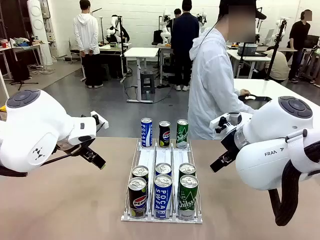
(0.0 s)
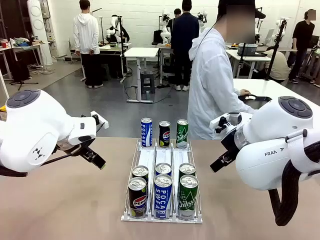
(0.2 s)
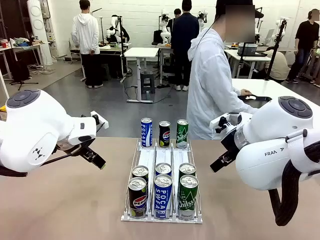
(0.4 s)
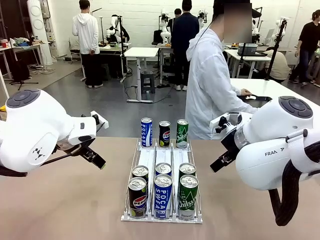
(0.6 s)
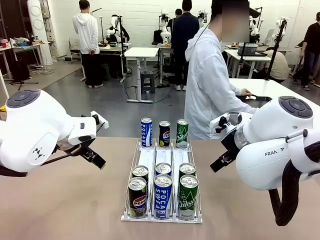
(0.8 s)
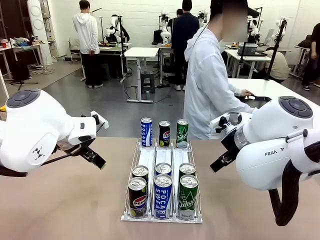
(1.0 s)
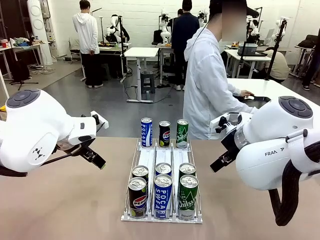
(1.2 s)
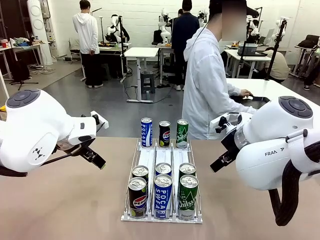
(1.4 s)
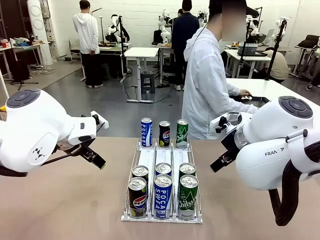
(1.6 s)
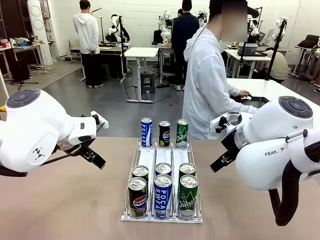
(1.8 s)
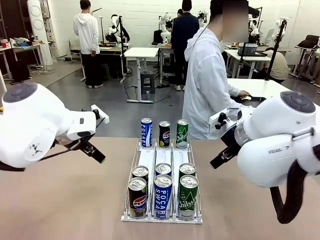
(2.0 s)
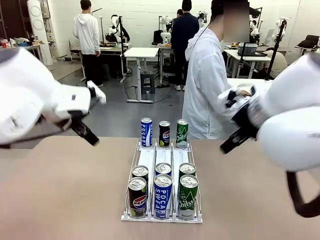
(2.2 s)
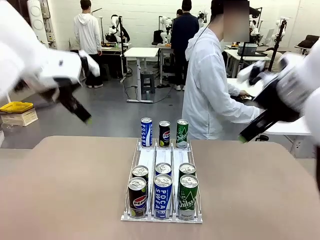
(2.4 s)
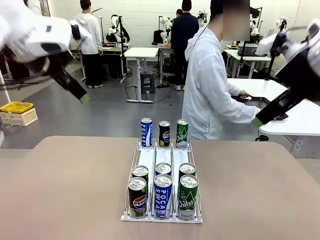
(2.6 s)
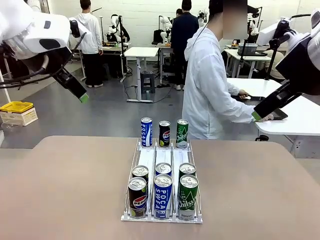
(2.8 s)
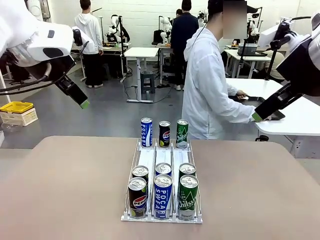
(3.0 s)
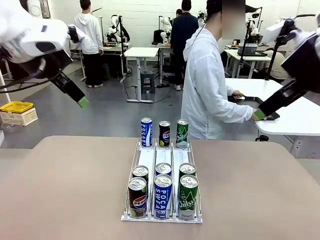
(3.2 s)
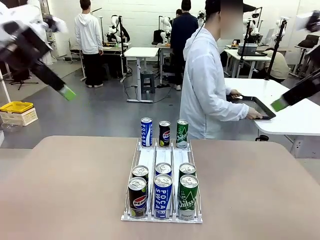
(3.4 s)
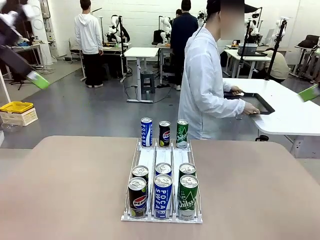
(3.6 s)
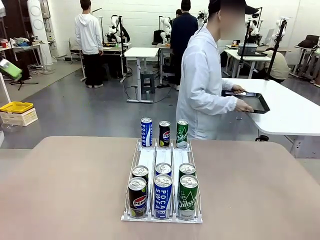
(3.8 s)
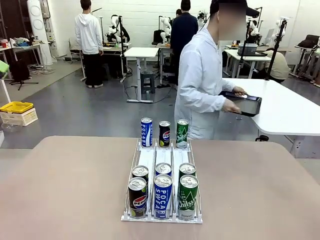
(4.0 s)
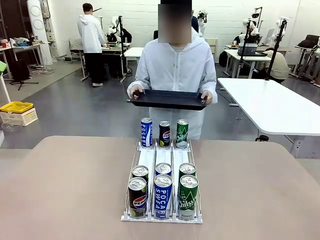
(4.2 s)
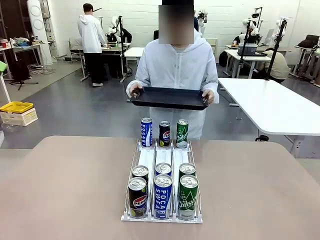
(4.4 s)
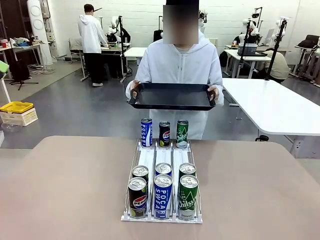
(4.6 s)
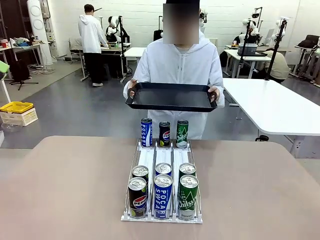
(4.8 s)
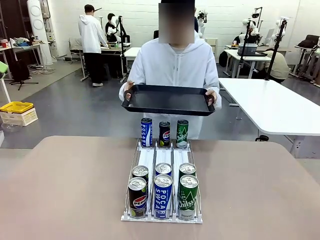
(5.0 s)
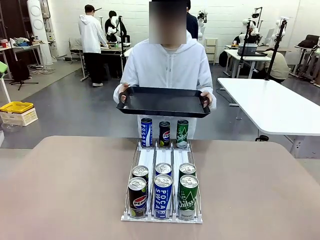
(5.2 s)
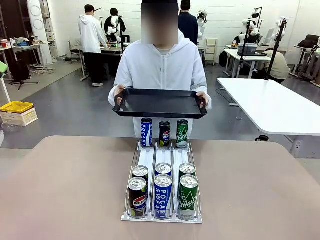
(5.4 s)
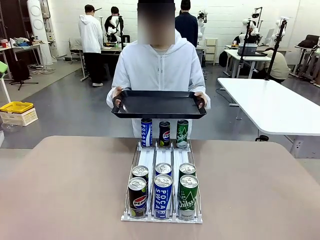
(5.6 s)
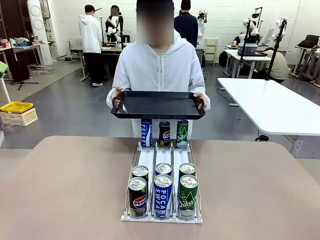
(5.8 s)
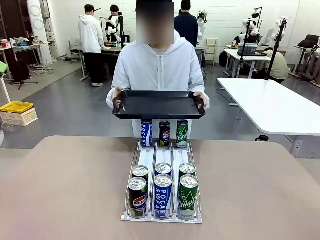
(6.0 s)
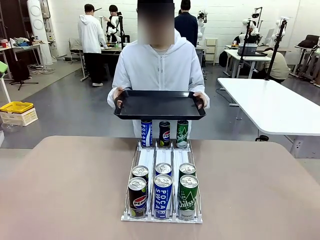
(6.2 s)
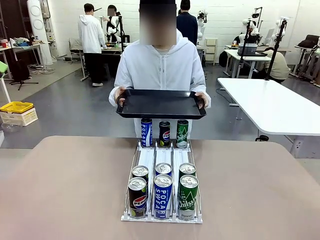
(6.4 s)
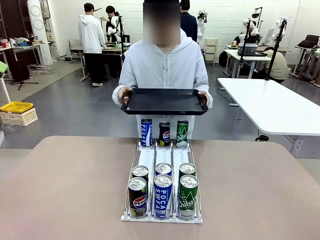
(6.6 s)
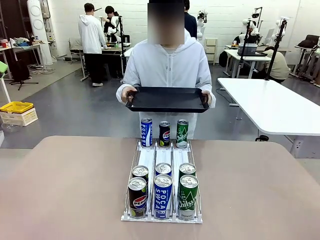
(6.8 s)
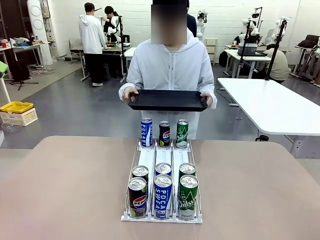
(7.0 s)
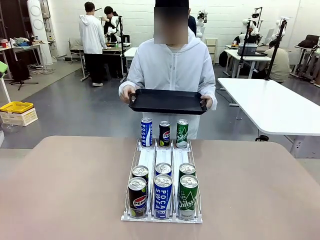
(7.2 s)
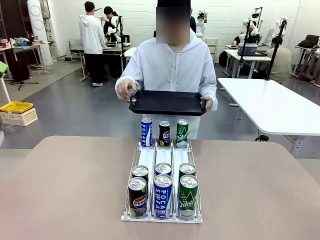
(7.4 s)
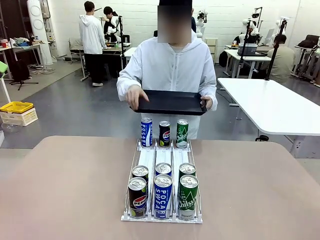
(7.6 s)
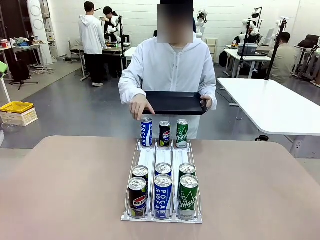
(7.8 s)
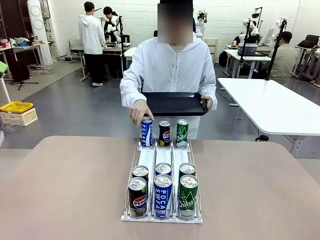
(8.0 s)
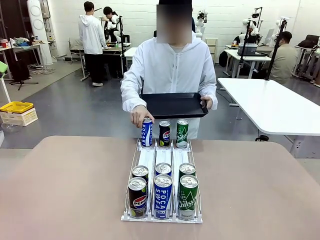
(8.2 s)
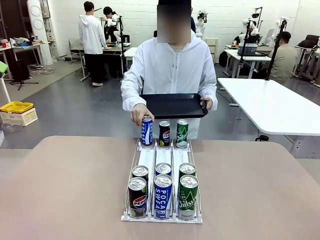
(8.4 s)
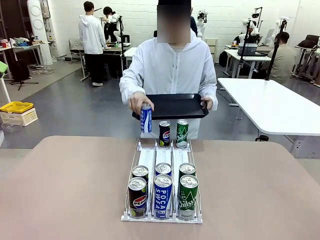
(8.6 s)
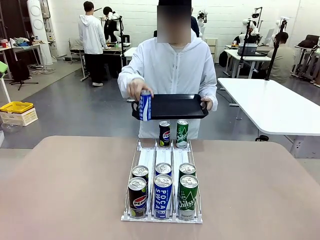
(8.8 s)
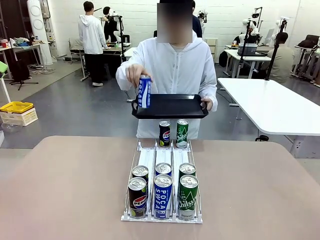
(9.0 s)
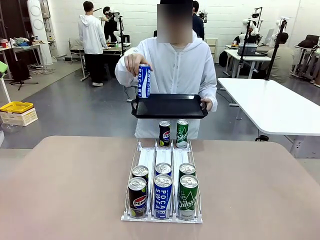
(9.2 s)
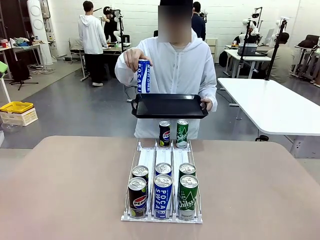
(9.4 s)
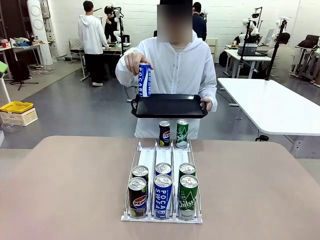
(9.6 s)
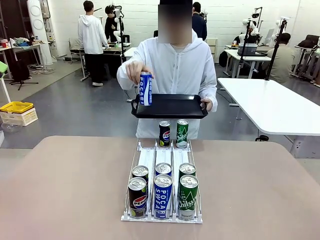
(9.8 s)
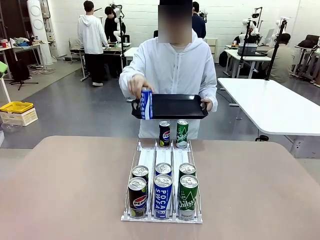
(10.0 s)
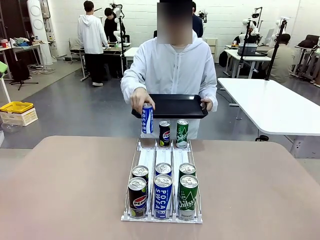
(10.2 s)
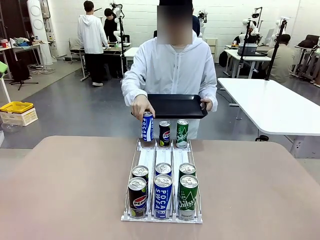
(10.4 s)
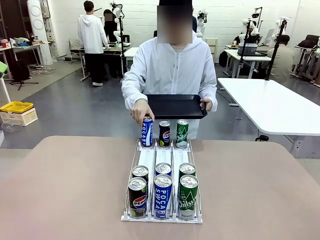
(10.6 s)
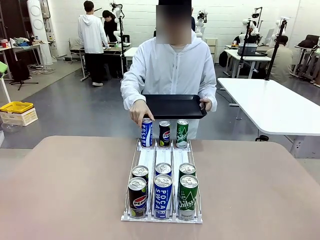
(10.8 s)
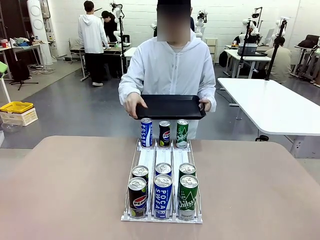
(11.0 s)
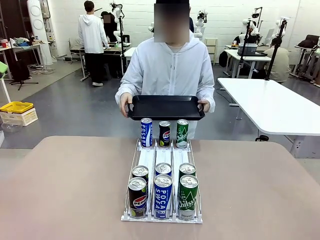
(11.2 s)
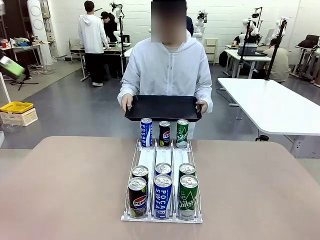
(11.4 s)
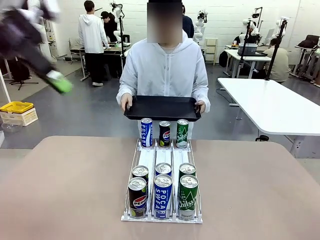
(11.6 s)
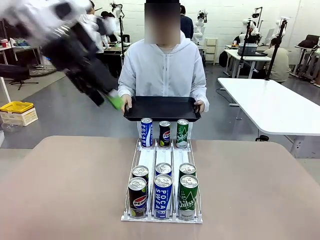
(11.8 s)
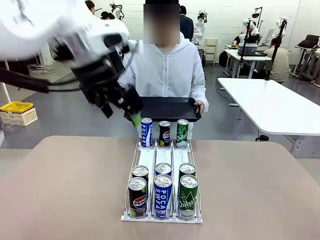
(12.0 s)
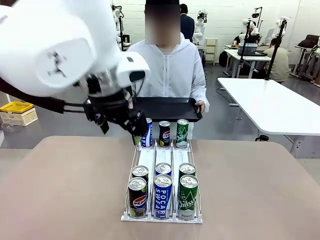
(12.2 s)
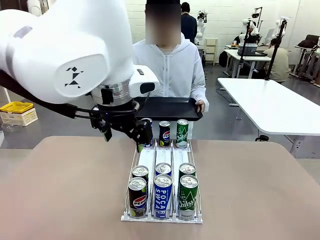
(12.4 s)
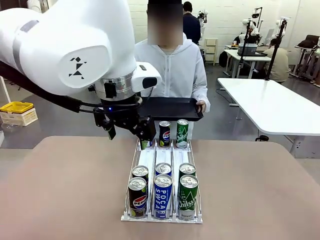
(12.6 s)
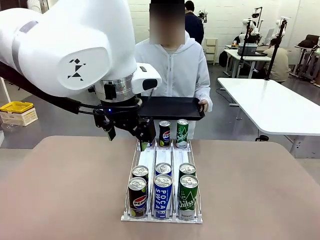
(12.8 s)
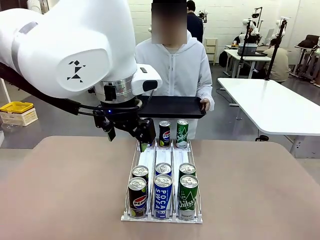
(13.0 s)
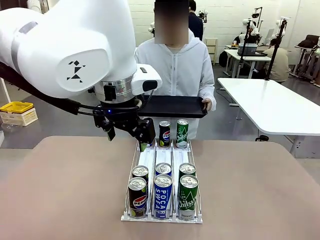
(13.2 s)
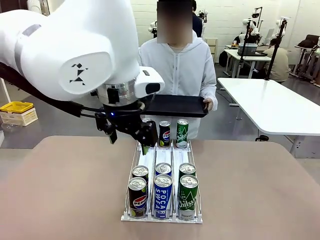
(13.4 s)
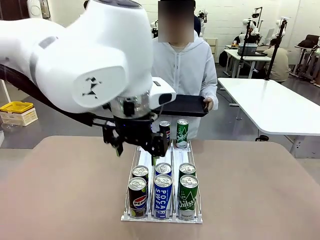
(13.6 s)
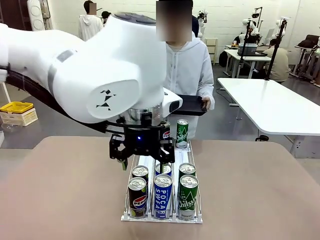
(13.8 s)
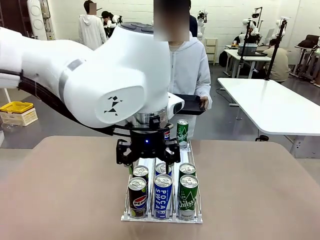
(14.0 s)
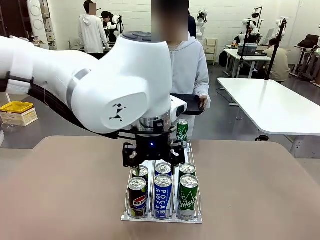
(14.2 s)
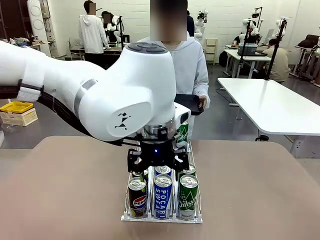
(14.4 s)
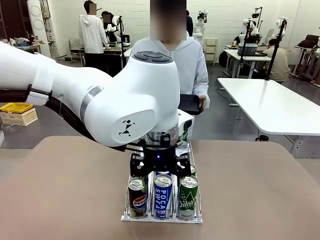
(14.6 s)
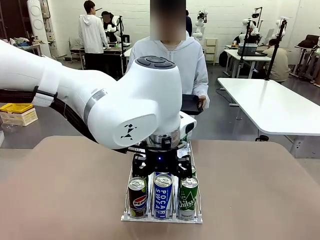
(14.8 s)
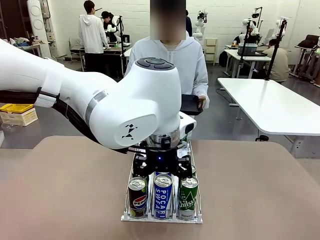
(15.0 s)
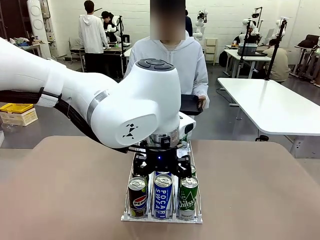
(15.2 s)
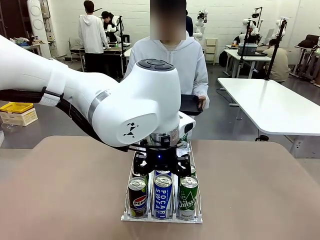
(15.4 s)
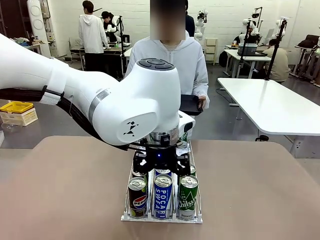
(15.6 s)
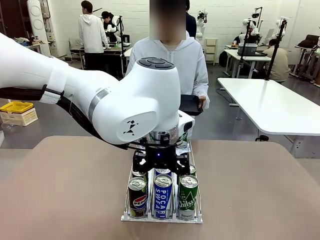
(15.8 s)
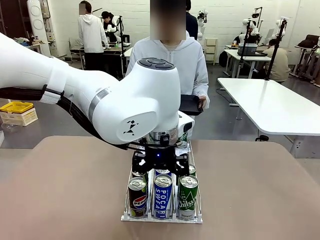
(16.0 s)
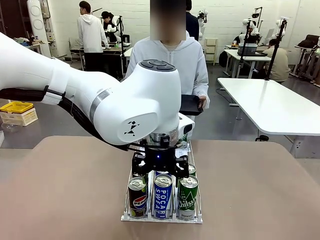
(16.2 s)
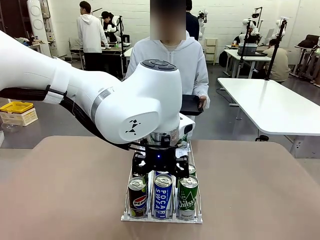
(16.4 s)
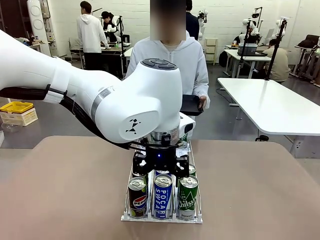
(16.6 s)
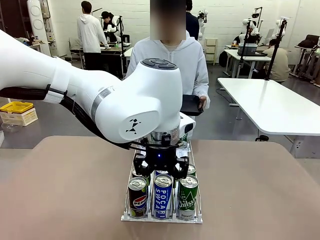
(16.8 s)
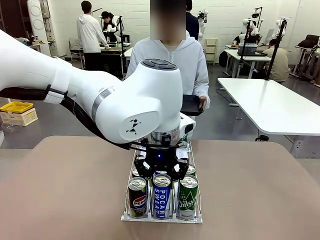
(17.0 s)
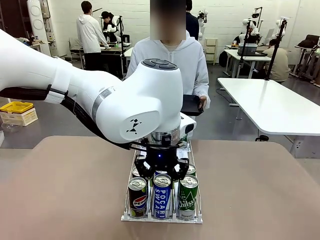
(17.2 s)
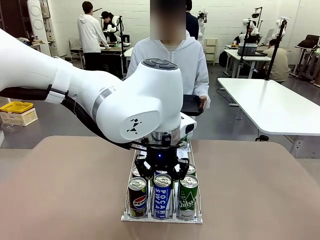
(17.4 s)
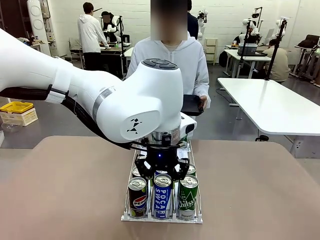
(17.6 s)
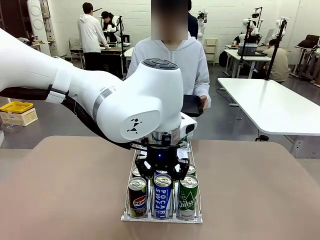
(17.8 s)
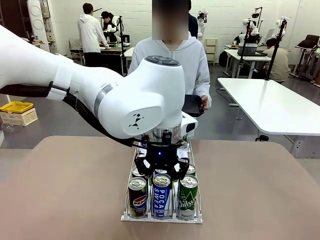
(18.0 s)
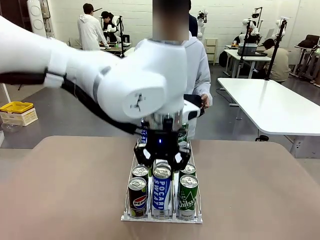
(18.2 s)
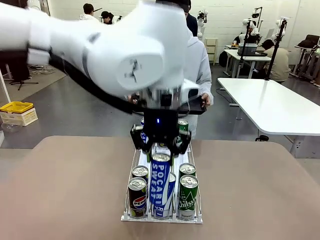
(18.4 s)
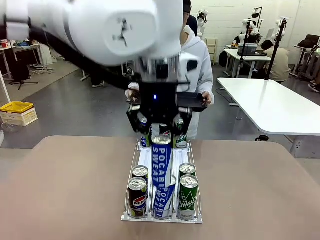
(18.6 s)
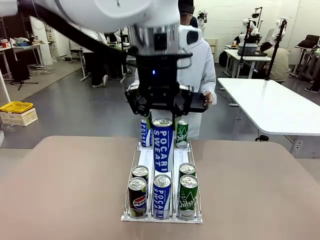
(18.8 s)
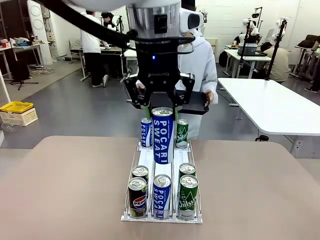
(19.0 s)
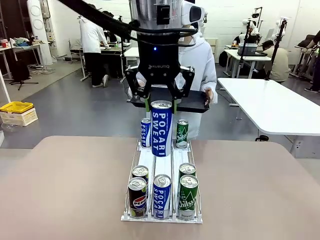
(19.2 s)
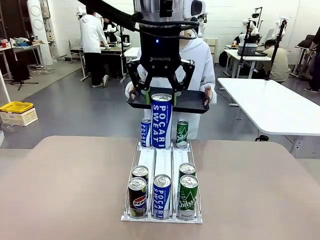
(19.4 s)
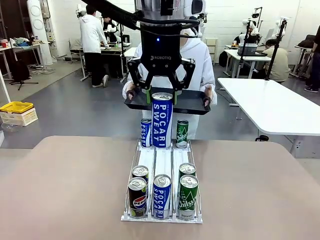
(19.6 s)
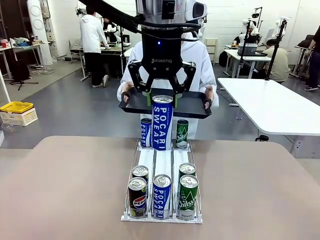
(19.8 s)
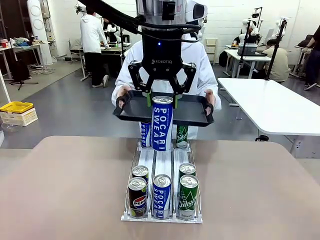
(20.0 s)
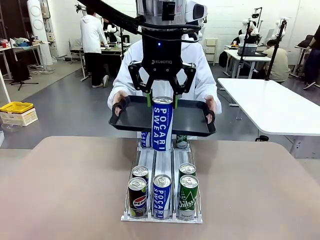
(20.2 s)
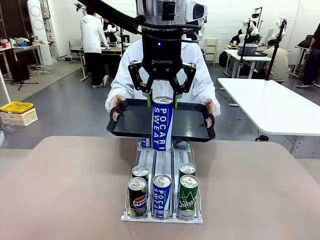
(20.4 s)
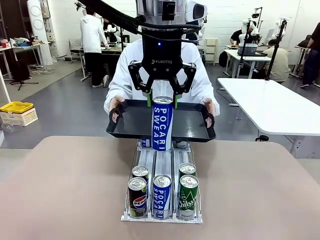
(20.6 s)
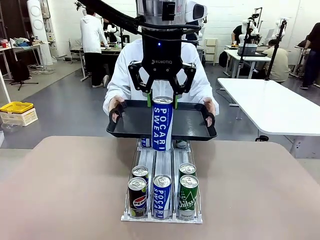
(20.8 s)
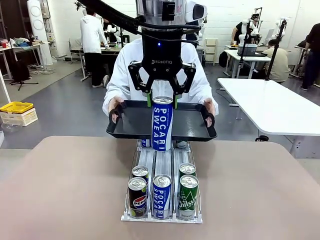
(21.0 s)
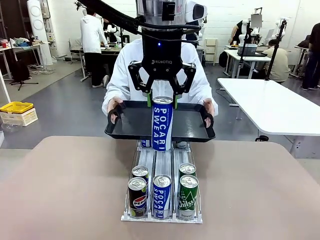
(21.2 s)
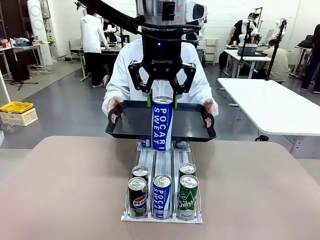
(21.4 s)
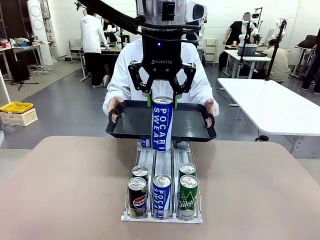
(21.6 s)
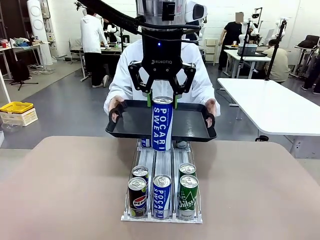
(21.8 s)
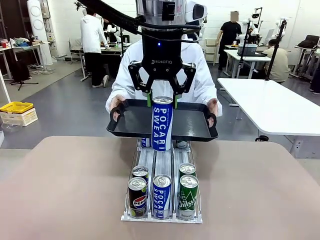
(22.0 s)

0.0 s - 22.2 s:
Task: Retrieve and hand over the desired beverage to the person.
Robot: Pick up a can of the same type that the person held from the Automatic Can Dispenser.
Person: Hold the tray and position yourself in front of the robot table. Pick up one can from the bottom area of the table and puts it back in its original place. Push the tray toward the robot.
